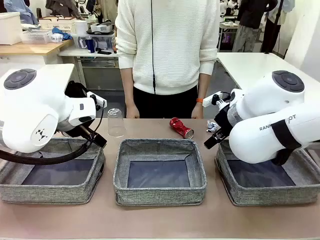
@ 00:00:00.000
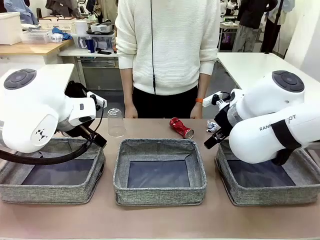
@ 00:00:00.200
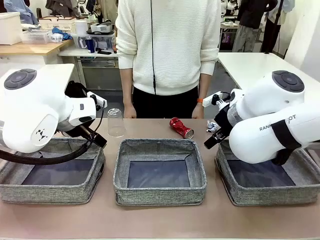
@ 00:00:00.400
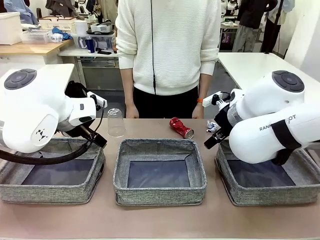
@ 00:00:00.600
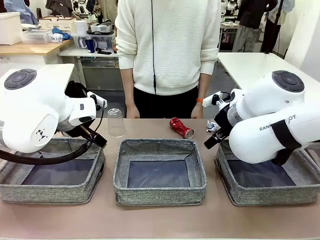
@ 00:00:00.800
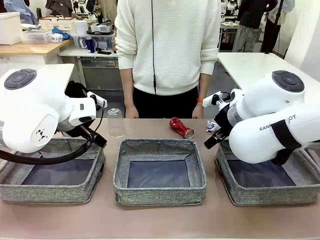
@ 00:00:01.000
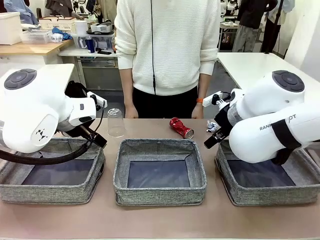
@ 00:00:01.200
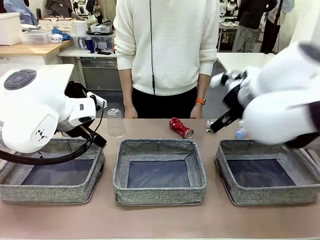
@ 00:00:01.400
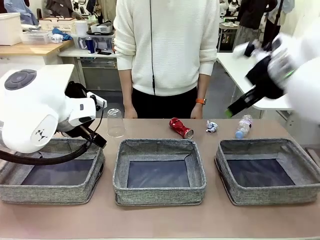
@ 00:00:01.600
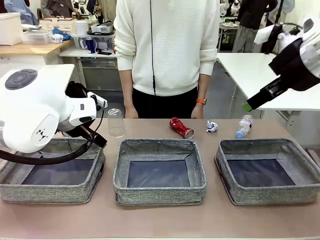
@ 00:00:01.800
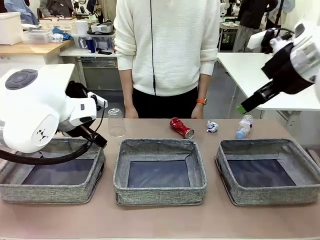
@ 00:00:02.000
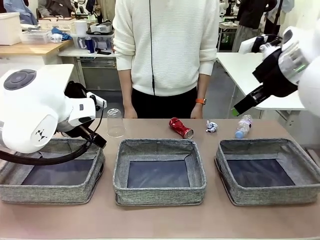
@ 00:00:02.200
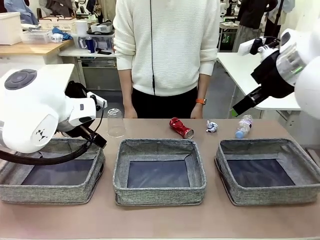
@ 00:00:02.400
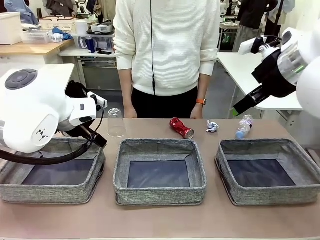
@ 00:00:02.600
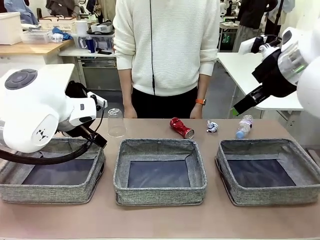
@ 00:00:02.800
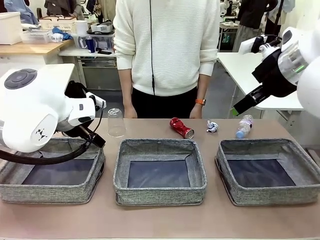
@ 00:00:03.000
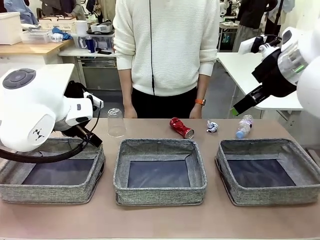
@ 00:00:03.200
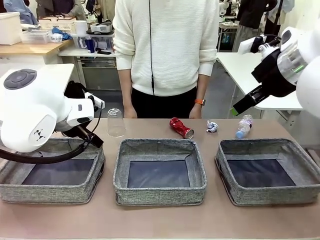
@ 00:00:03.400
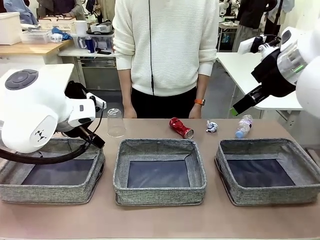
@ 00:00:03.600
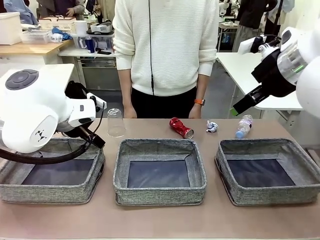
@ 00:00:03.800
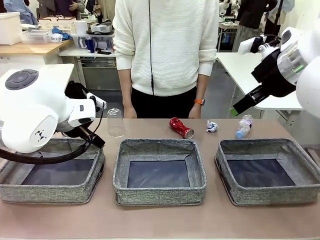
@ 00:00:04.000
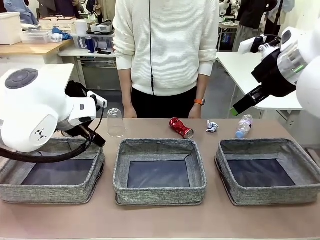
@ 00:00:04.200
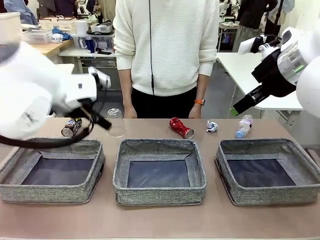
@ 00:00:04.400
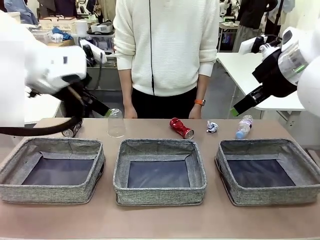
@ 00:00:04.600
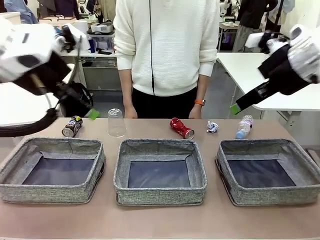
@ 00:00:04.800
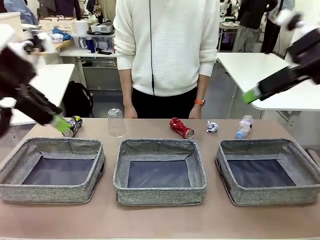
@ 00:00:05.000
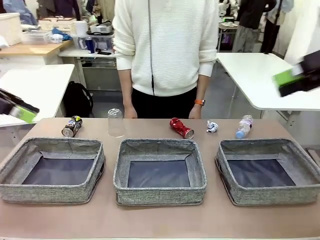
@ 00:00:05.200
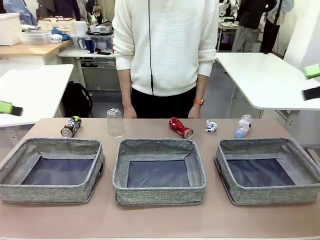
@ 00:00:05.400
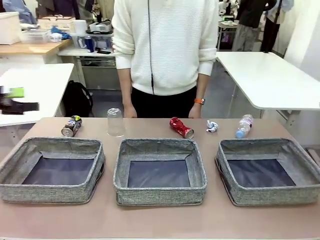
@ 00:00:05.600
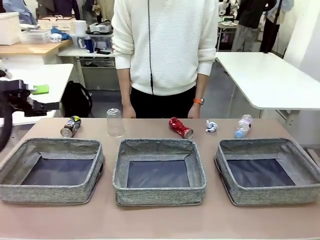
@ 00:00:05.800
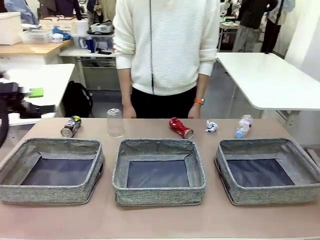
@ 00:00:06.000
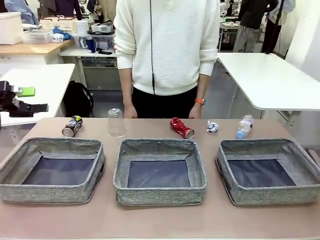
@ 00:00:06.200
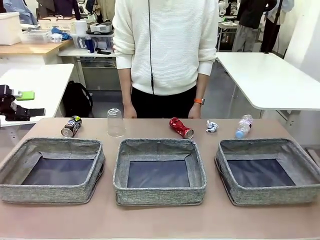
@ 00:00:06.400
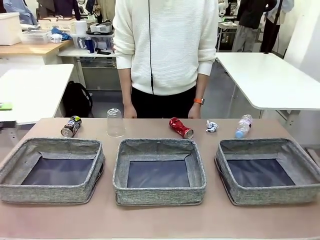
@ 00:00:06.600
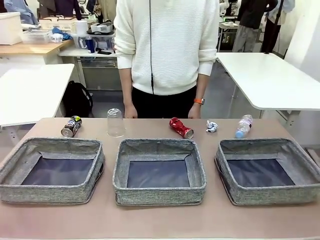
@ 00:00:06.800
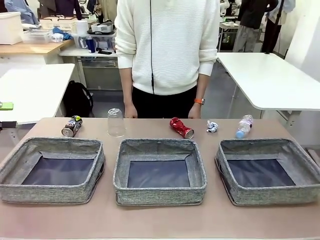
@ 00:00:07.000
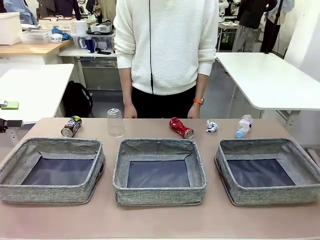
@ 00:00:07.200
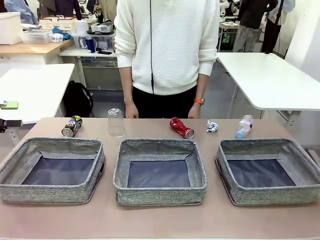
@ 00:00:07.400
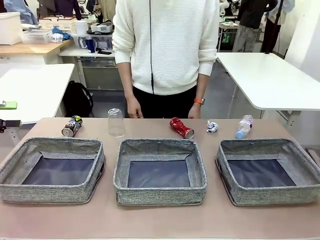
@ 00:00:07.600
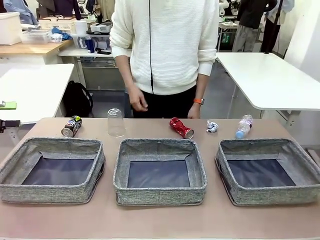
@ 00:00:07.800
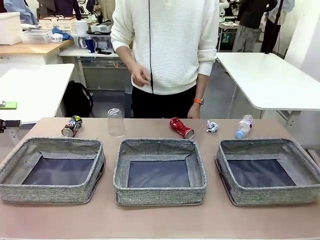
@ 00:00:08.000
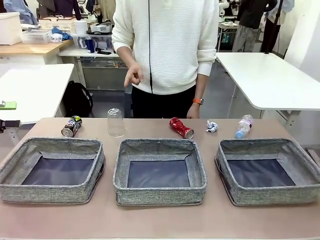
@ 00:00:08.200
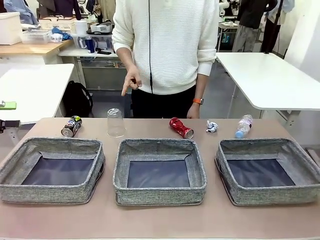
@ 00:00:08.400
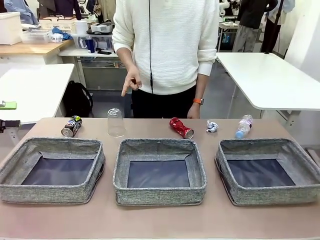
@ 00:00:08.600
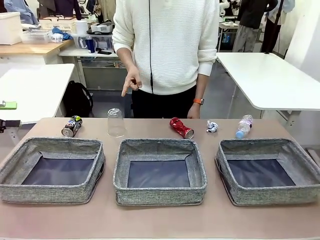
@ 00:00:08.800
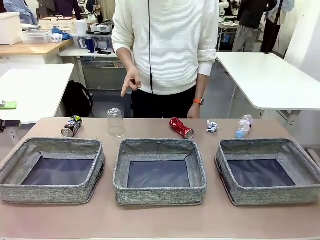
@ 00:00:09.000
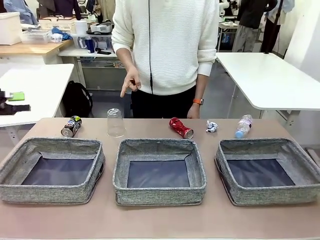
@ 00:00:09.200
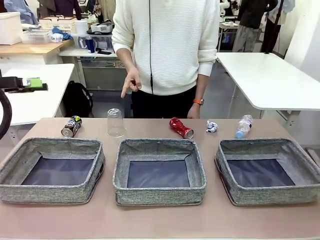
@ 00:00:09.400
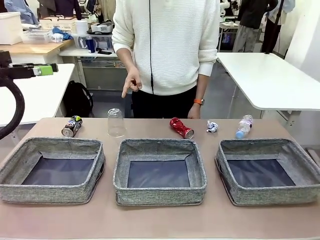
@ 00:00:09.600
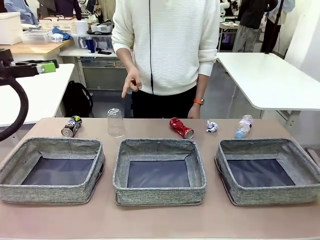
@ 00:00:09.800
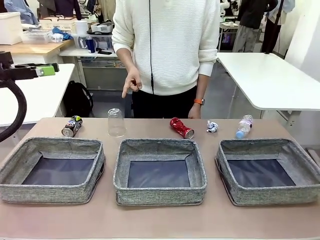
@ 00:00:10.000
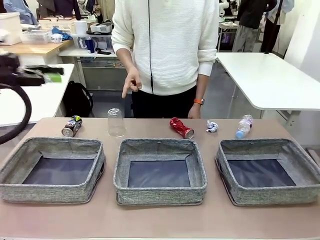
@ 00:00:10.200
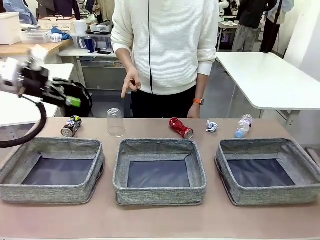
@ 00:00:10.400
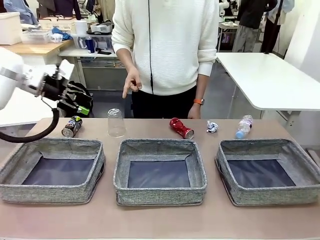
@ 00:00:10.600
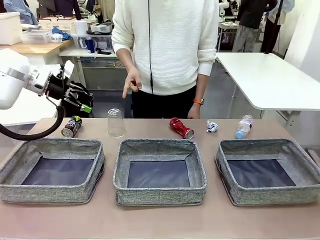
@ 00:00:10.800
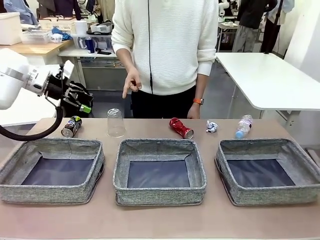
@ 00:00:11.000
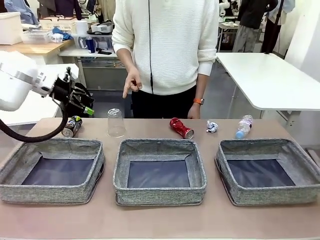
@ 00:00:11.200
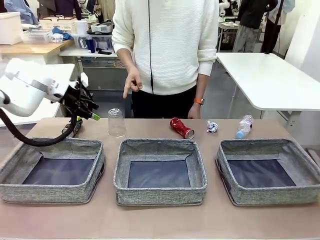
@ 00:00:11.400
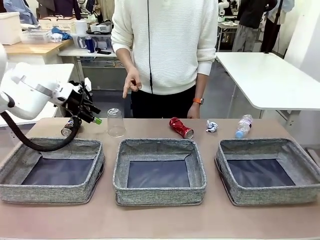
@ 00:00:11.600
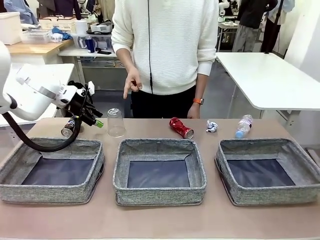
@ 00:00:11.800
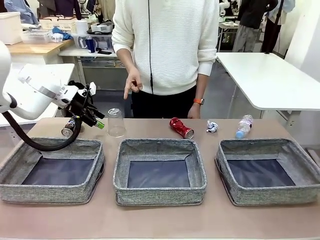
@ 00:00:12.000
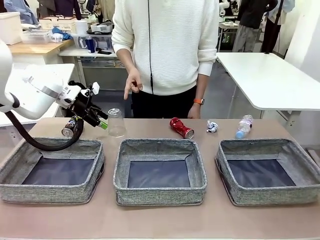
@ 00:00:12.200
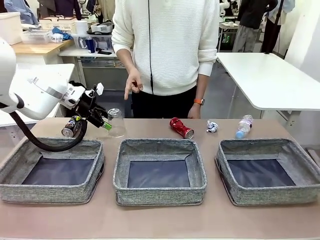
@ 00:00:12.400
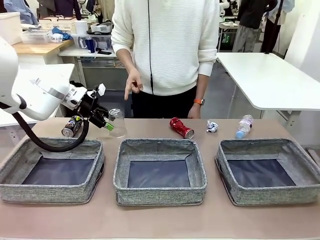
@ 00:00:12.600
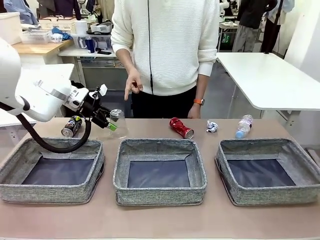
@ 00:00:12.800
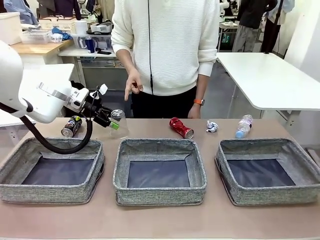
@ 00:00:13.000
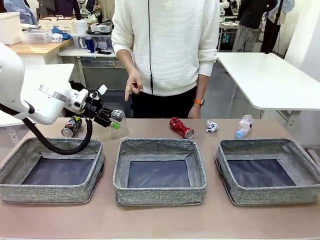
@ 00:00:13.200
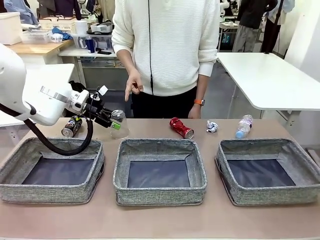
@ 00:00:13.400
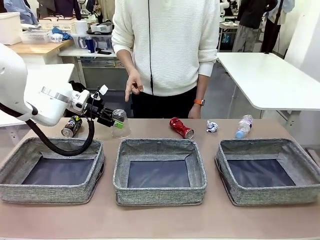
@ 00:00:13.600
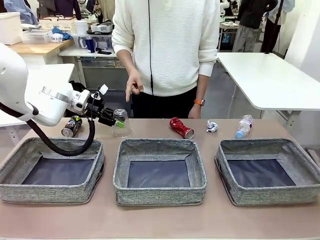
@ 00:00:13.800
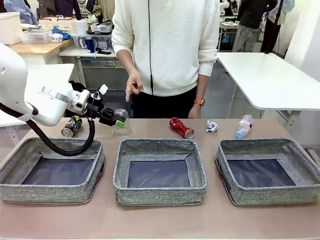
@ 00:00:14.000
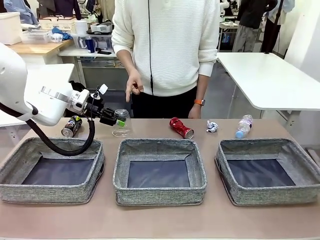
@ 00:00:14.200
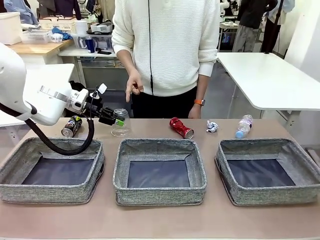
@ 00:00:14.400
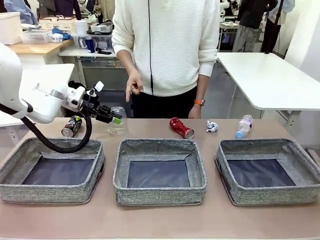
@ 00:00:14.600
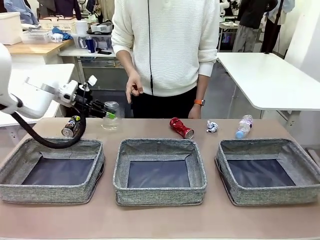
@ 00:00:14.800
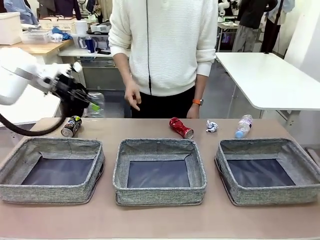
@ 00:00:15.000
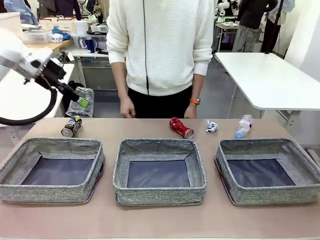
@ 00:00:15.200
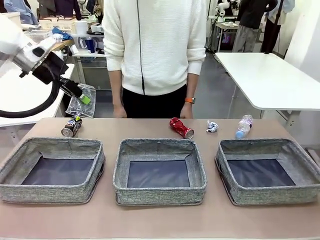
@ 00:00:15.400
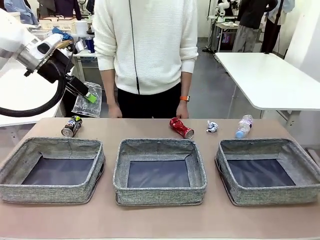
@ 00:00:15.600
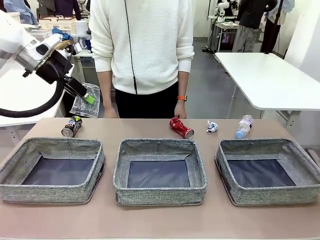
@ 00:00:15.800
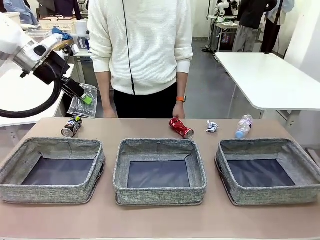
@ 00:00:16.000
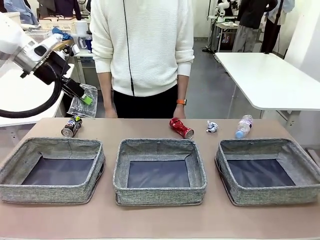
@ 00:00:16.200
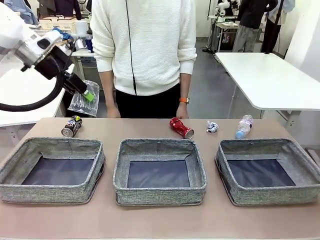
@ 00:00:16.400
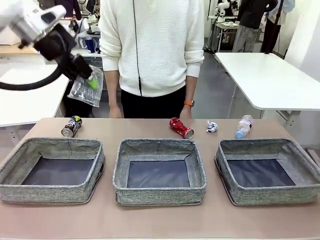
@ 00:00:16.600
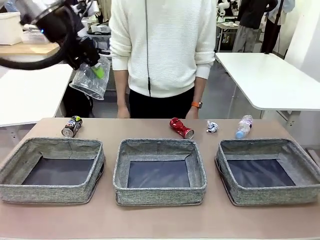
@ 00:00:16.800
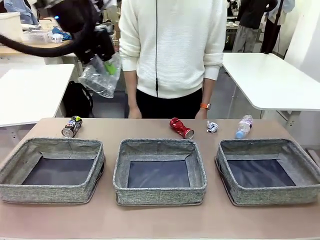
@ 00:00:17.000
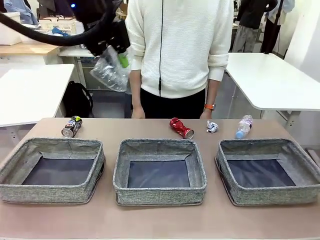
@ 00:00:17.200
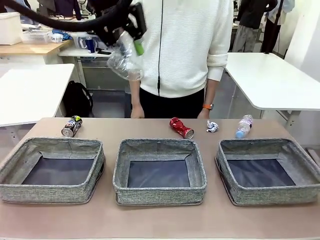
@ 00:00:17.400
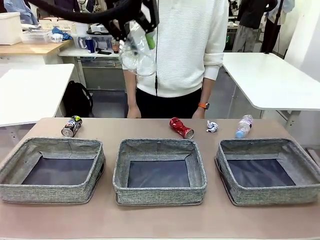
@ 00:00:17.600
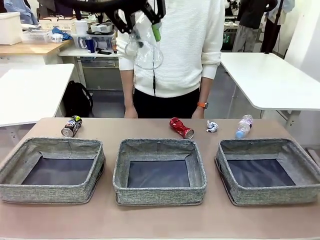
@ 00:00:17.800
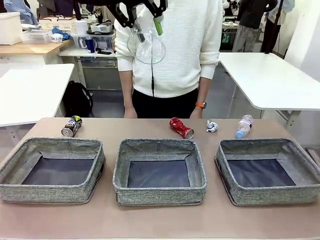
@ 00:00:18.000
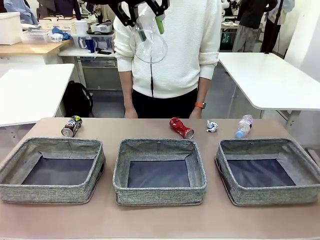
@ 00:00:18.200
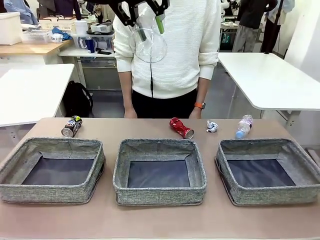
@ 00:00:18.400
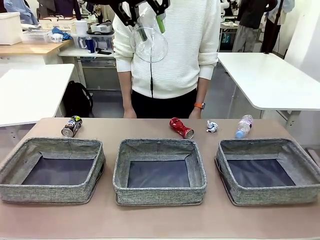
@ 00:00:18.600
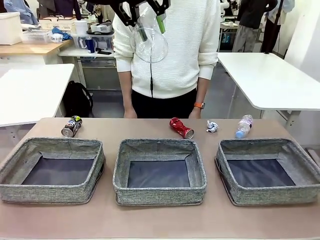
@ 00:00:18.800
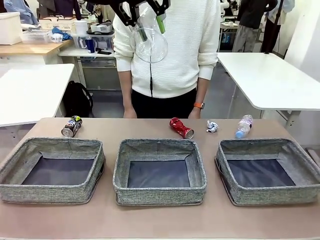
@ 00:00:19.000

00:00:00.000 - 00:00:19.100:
Task: Sort the waste into the appropriate baskets.
Robot: Pick up the waste item pointed out by the person.
Person: Points to one piece of trash on the table.
